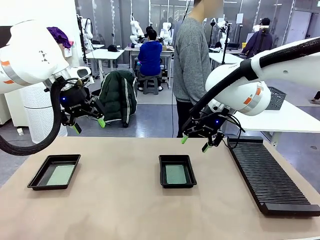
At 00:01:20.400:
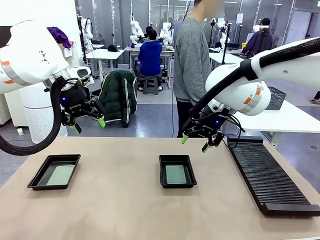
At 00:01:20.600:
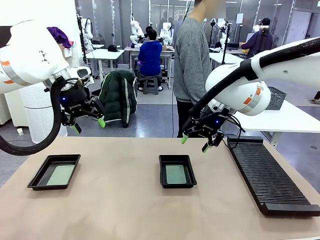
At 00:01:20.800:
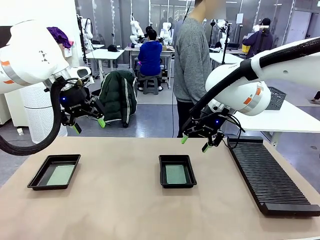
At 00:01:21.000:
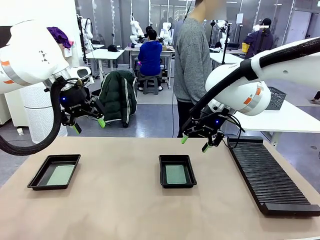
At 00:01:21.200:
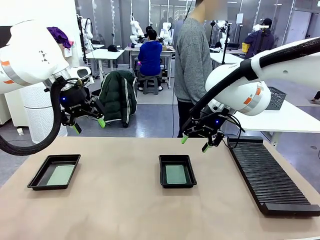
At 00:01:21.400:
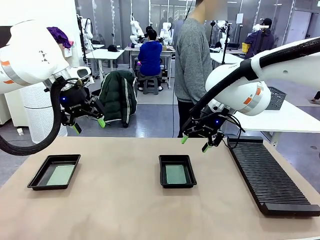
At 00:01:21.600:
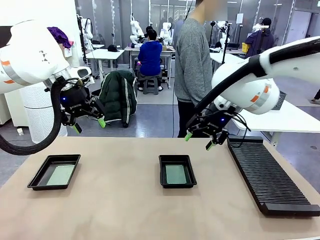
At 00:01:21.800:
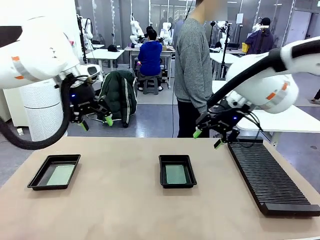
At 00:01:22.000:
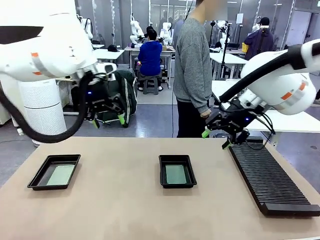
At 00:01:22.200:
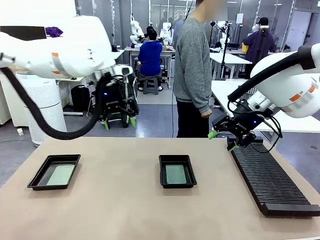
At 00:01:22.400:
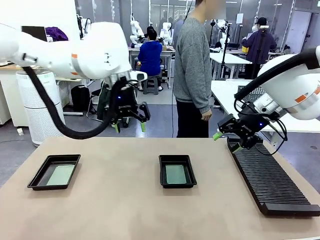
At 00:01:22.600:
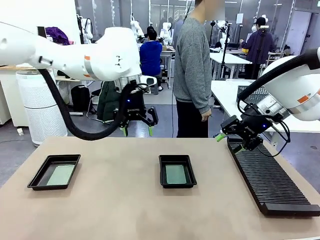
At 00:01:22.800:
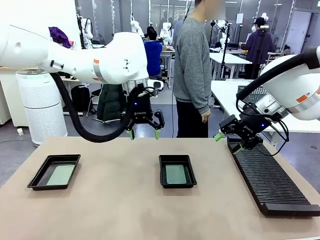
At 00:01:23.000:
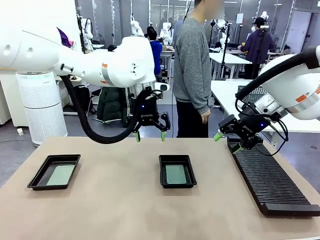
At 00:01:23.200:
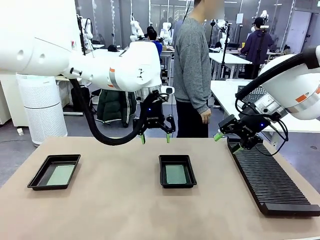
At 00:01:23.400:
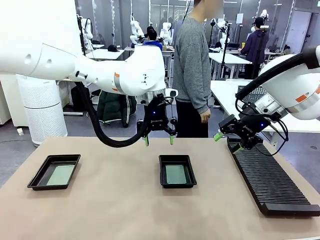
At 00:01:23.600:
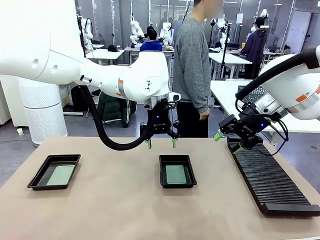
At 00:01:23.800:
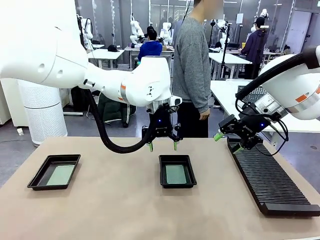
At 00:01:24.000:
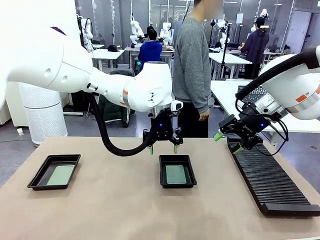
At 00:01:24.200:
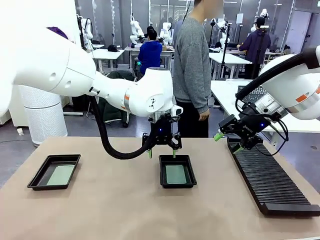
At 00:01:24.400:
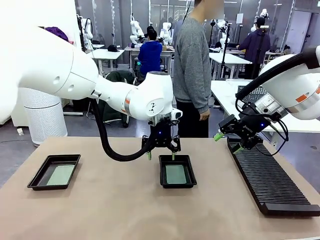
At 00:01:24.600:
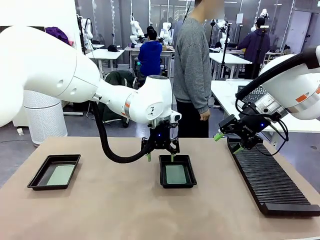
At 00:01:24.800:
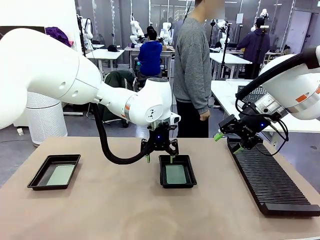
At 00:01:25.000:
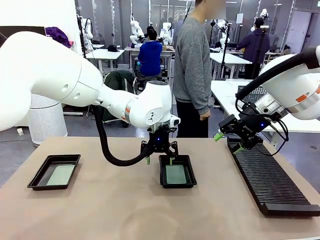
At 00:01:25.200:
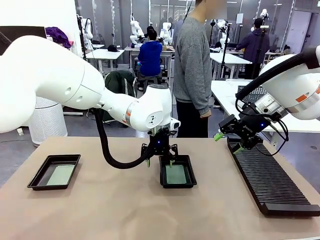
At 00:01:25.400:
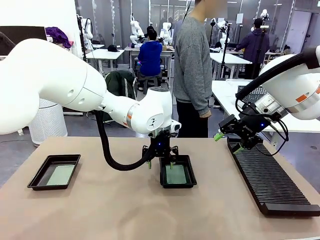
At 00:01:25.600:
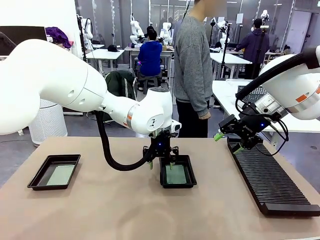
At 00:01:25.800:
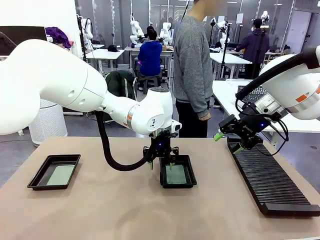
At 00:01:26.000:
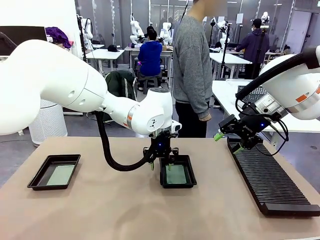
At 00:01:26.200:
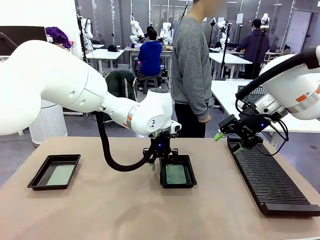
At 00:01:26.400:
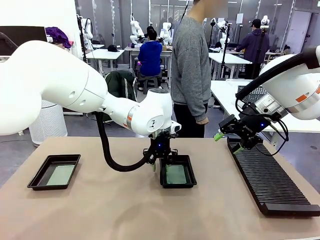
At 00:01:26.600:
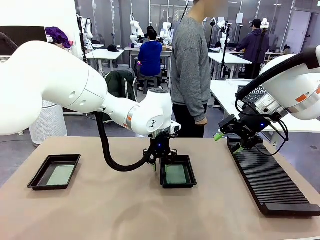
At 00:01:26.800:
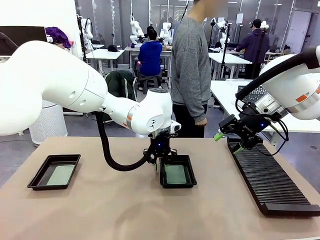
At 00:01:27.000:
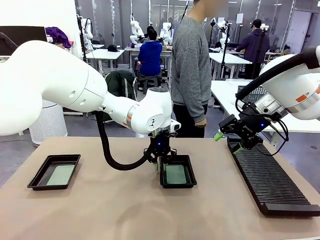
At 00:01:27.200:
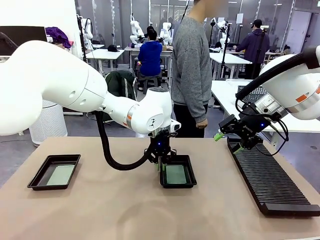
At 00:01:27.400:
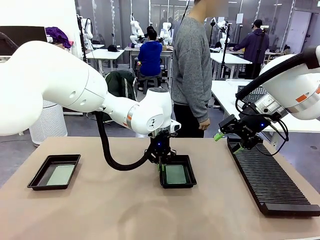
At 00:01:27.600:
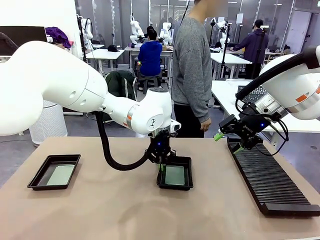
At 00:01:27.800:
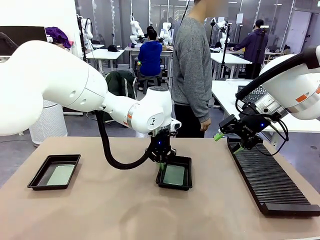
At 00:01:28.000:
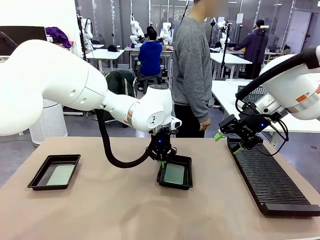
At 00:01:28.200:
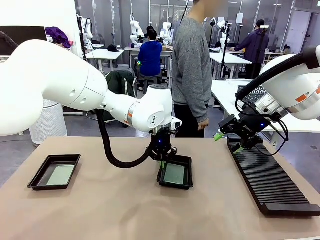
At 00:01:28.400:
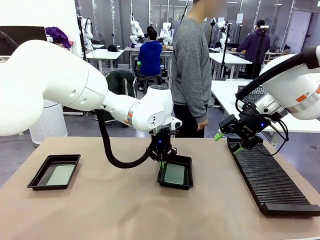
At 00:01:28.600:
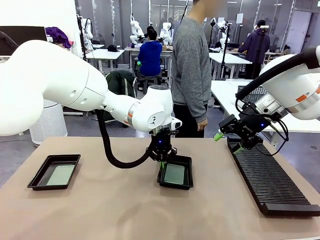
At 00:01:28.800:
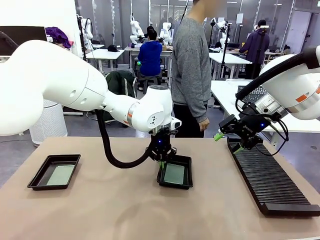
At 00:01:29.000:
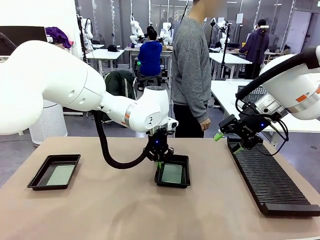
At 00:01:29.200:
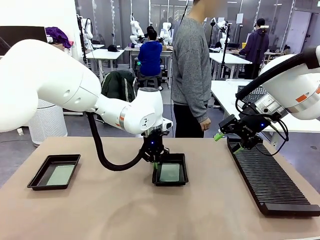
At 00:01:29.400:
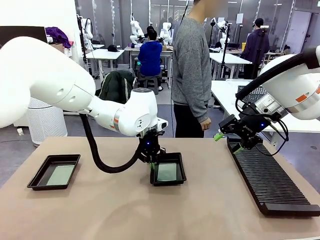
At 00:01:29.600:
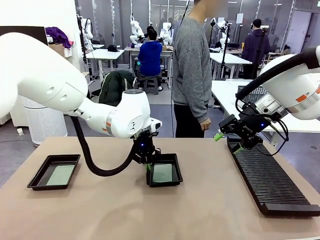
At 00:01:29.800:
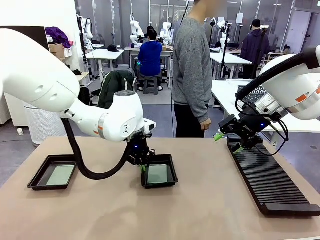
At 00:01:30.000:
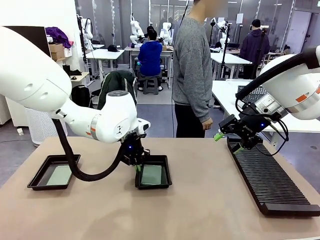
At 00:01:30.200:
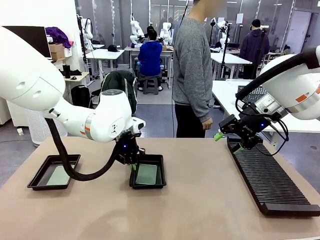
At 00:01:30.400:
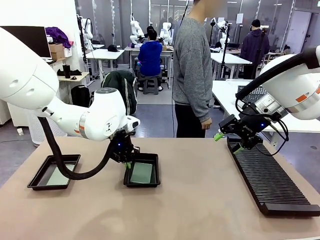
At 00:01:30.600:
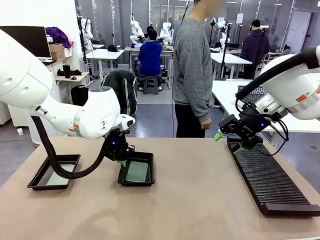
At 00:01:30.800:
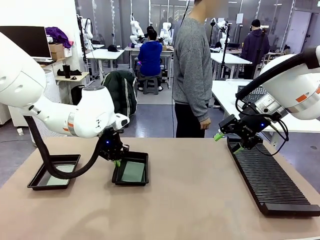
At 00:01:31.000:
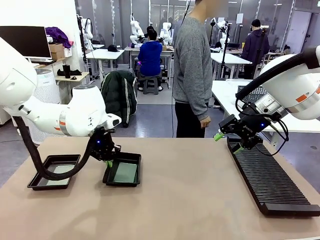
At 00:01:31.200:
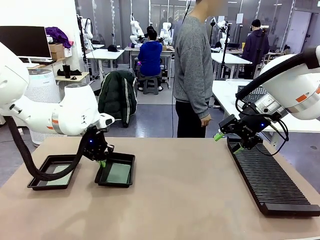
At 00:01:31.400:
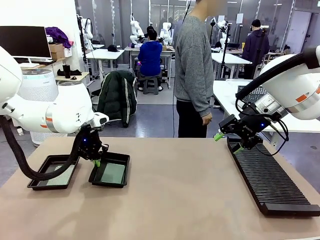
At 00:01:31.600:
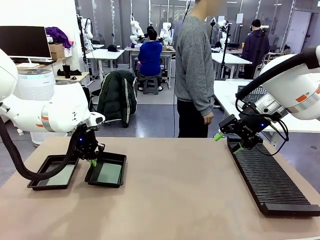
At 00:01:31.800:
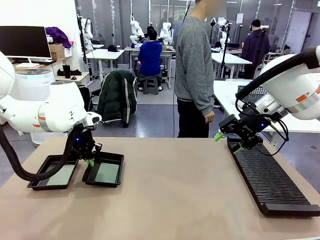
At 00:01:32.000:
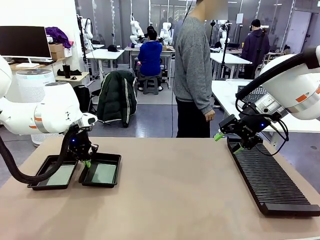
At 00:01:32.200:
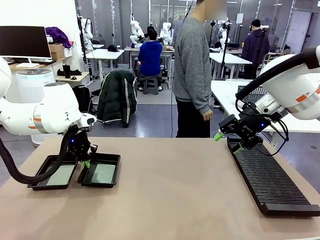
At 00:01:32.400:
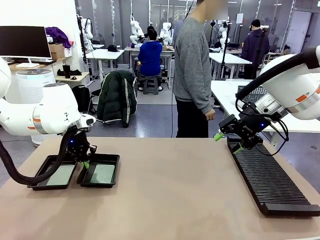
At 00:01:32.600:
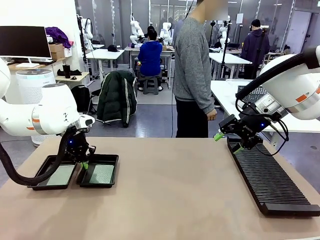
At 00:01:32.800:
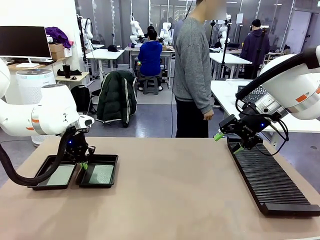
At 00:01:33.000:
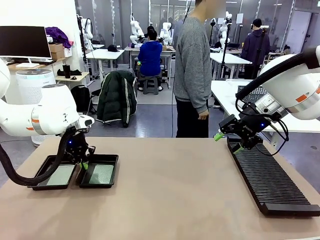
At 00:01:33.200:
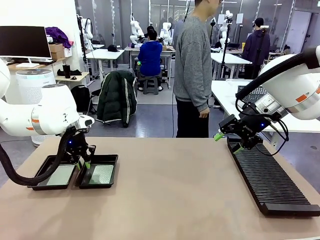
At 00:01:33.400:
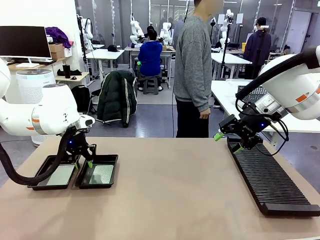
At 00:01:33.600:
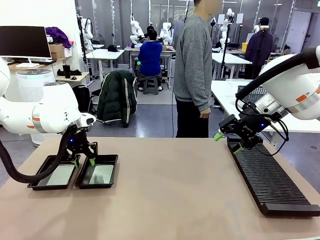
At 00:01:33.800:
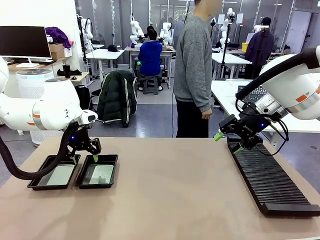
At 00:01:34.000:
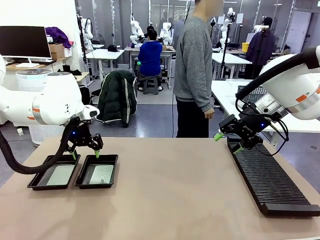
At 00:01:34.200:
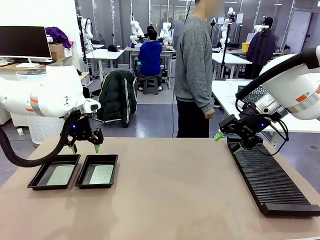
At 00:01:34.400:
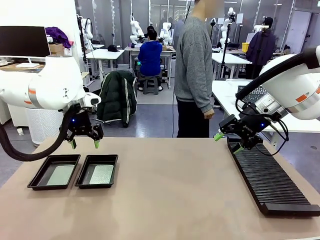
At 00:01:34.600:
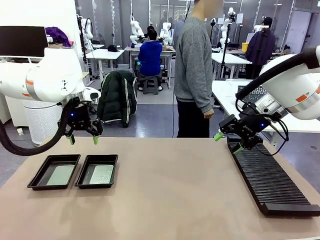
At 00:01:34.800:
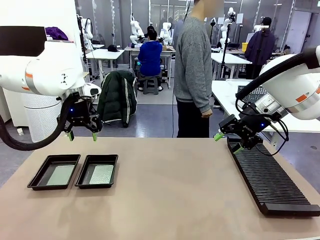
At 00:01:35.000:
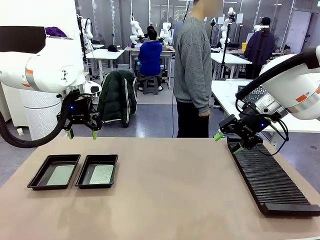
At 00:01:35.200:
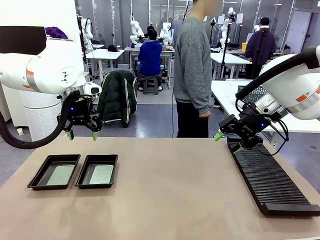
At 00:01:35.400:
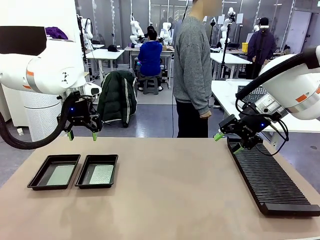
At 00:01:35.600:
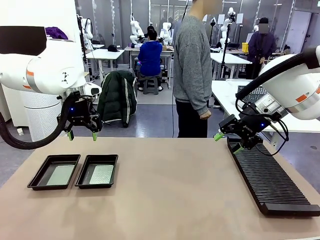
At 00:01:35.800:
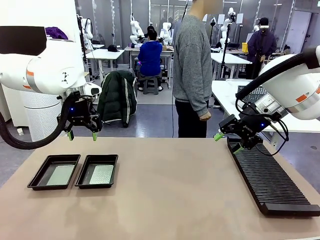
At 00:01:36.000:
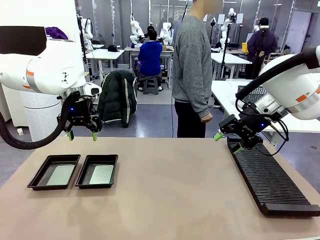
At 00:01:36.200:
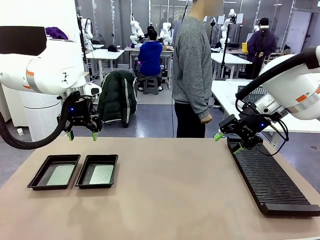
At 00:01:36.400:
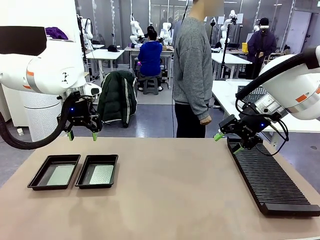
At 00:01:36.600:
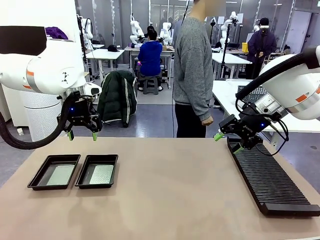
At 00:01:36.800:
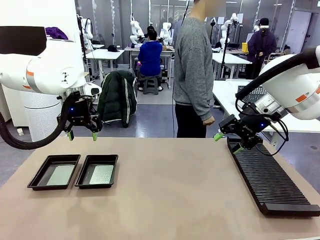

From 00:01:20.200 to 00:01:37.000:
Task: Inspect and transfer BCBs to ESD trays.
Robot: Pick up the ESD tray and place it on the left side of the table.
